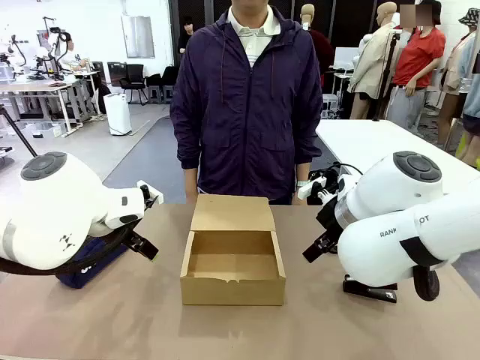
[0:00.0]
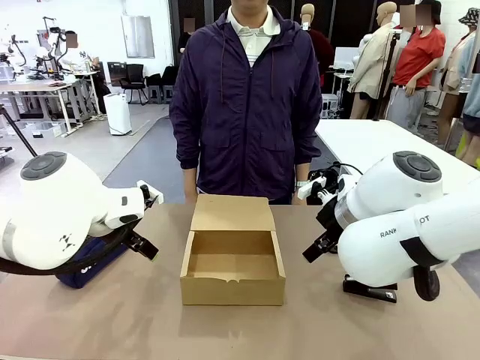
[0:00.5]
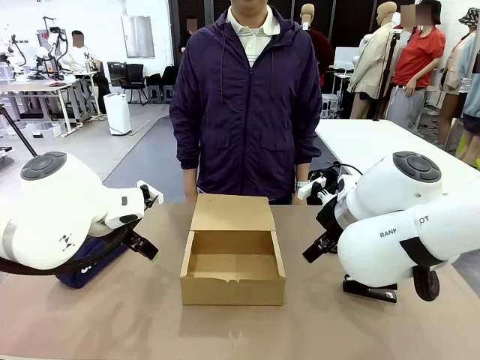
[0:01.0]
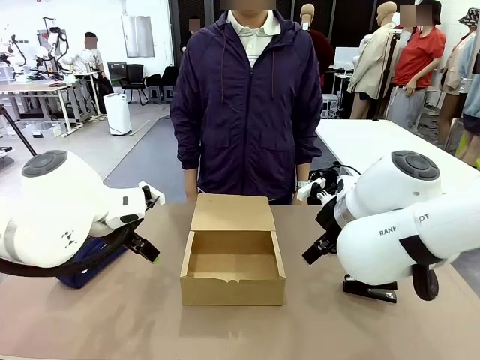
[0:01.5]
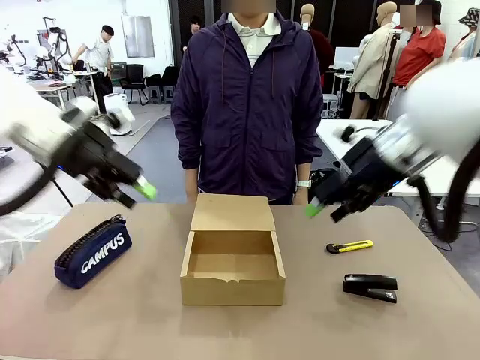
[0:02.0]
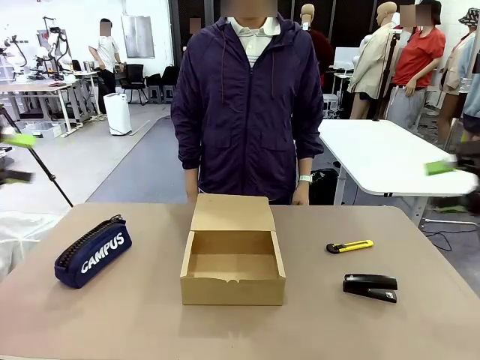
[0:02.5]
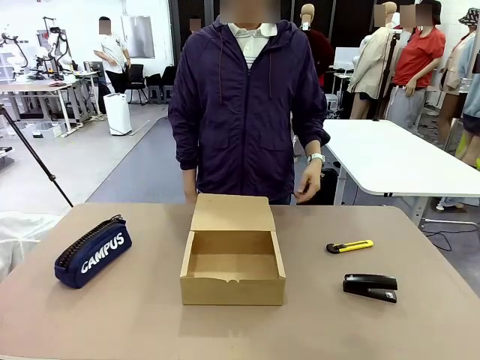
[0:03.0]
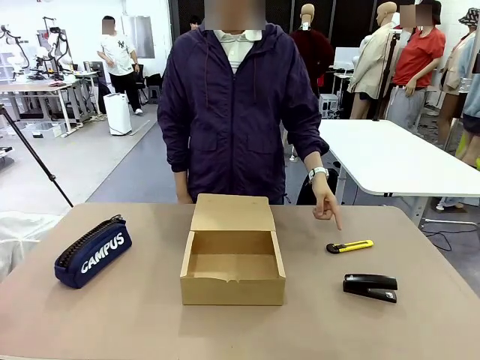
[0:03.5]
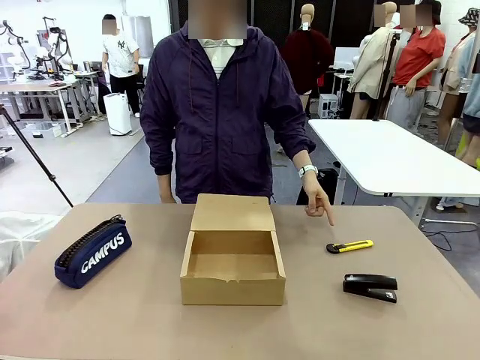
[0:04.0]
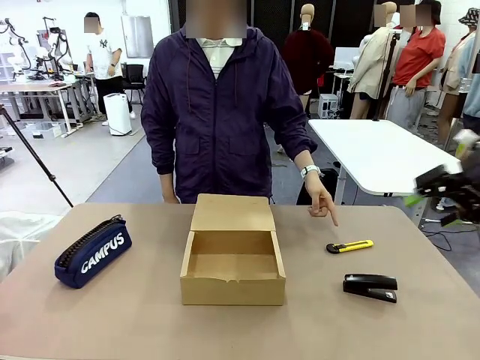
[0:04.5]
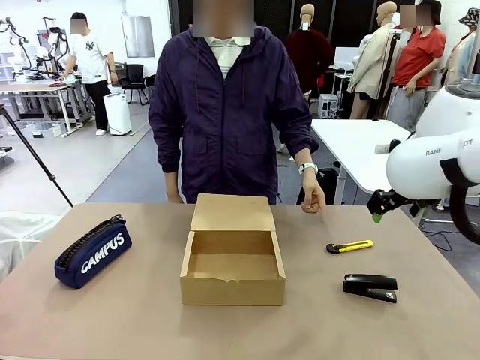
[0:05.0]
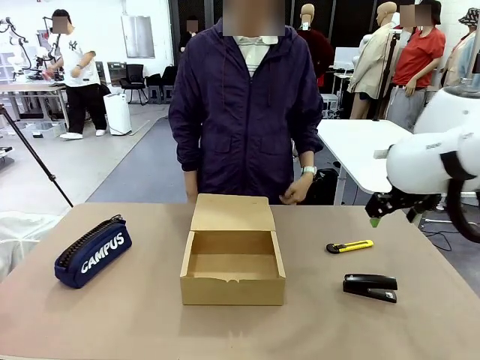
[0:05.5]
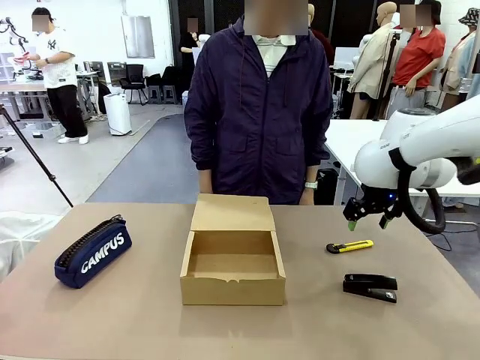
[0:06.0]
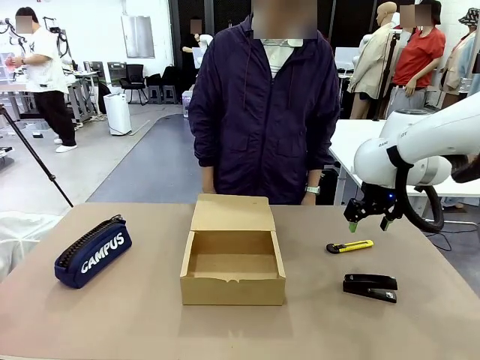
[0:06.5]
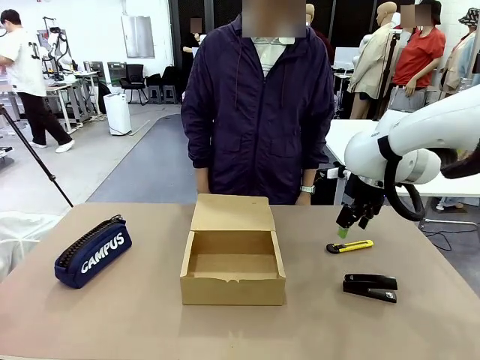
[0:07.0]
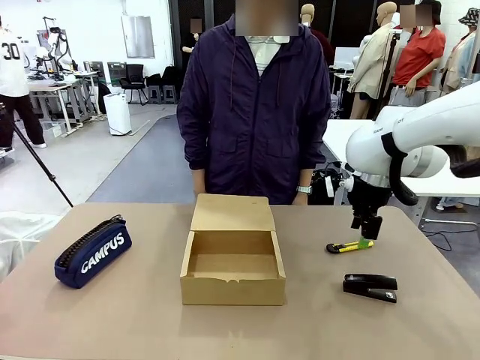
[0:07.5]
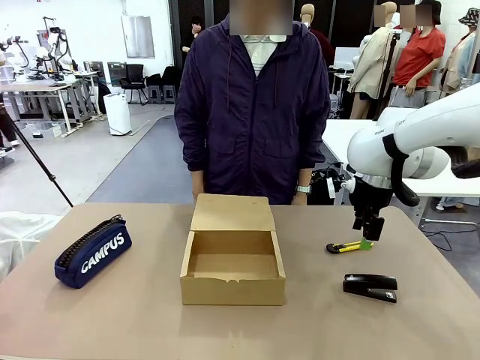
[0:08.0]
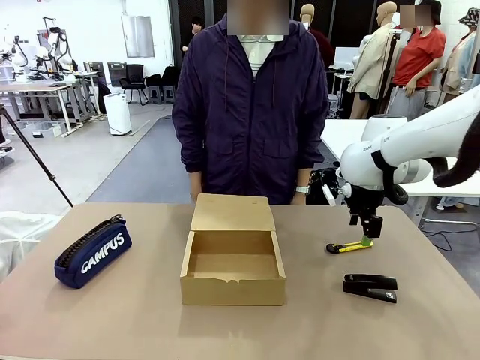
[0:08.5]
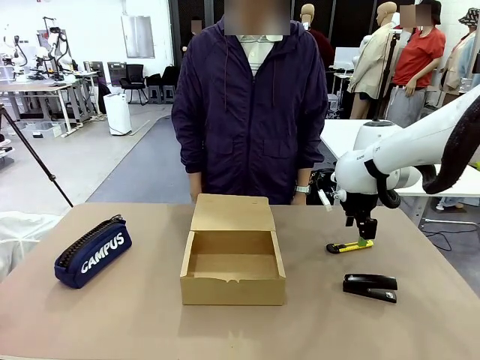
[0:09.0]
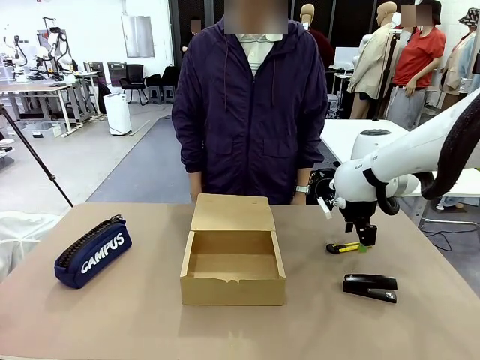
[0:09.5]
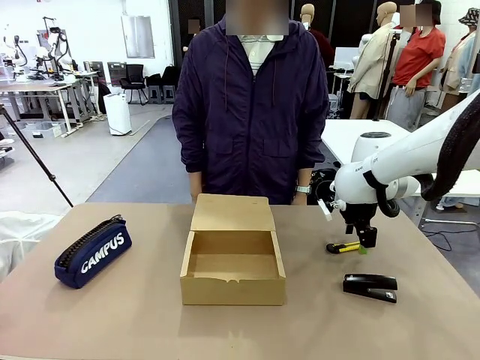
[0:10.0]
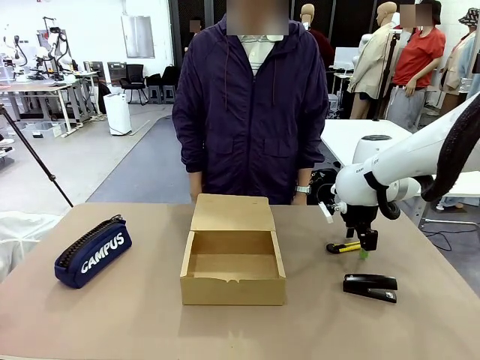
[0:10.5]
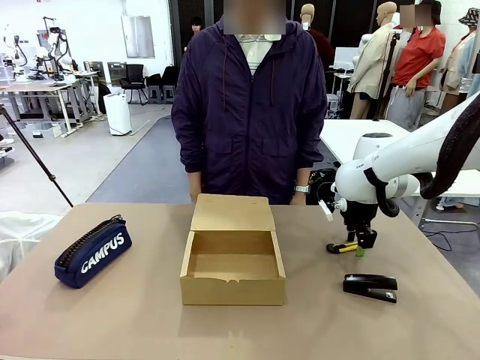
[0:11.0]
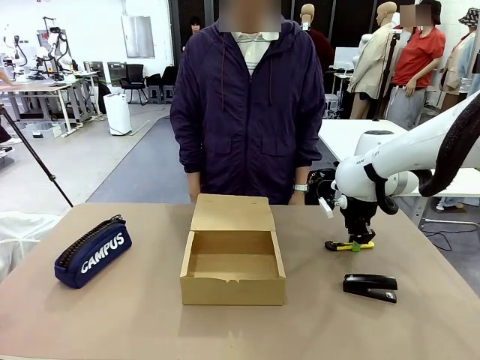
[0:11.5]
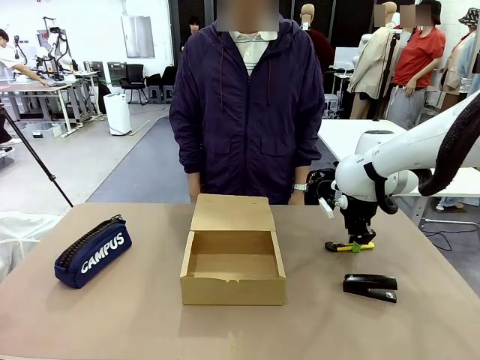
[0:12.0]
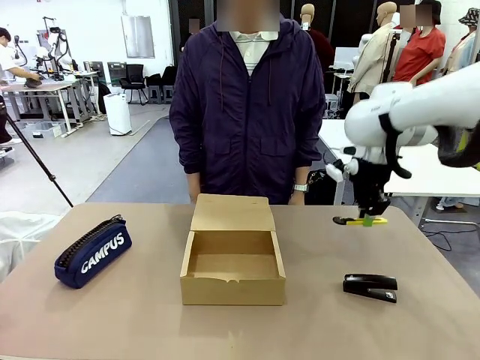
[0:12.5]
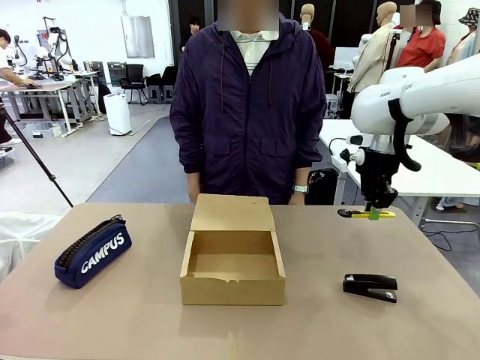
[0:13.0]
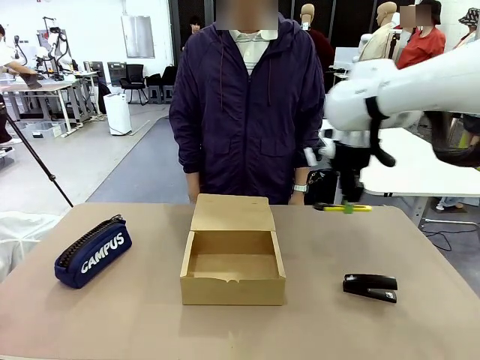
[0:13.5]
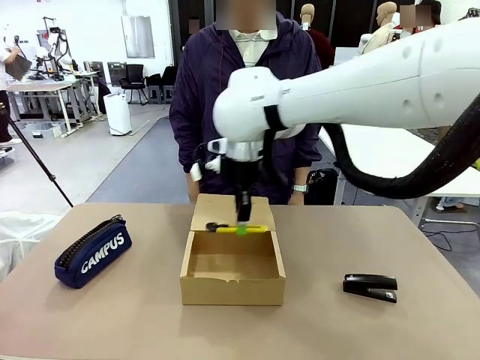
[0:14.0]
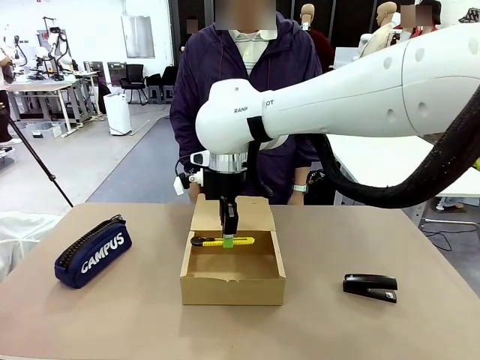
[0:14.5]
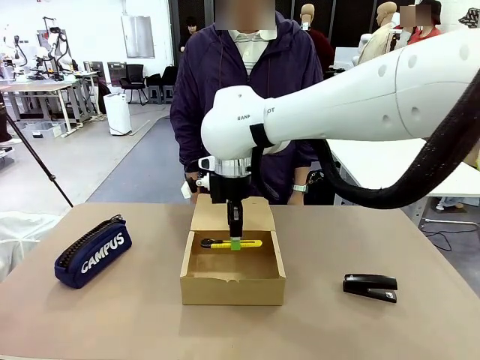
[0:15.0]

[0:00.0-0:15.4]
Task: Pack the items into the box.
Robot: Pick up the item specified by the human and place it in the Mailer Box.
Person: Point at one item on the table (excluding the box).

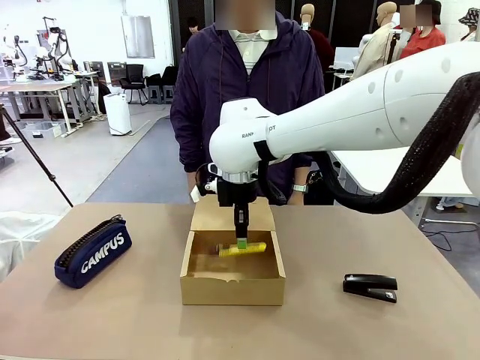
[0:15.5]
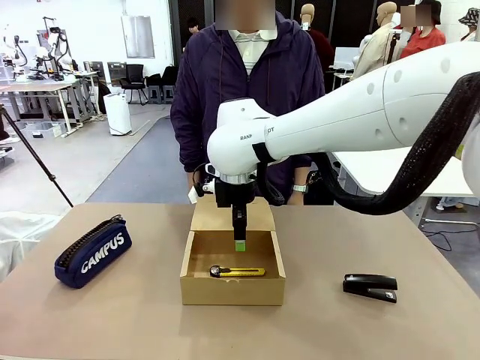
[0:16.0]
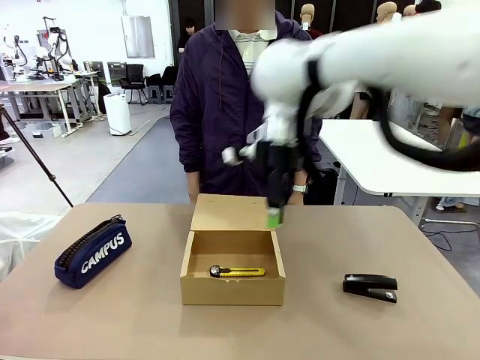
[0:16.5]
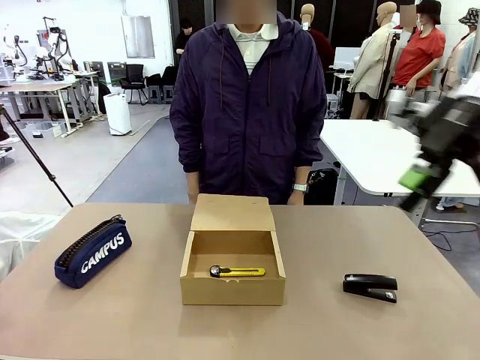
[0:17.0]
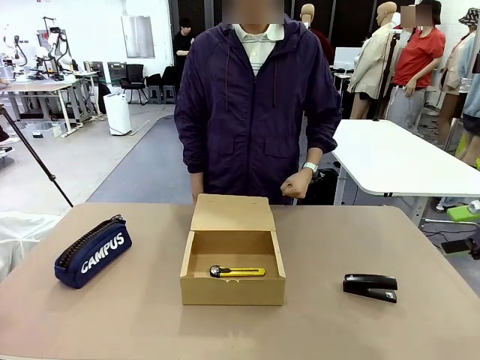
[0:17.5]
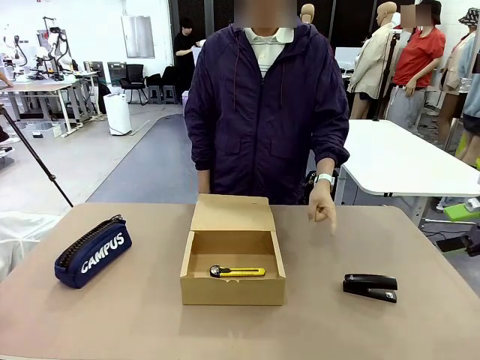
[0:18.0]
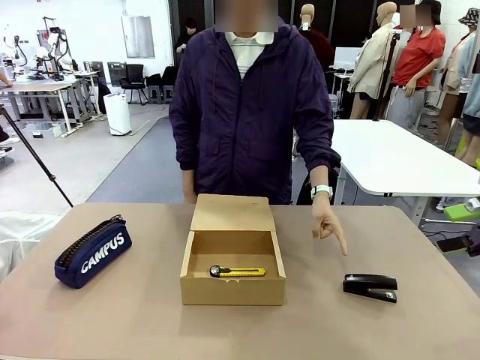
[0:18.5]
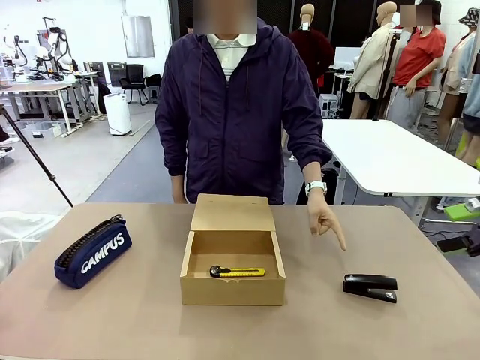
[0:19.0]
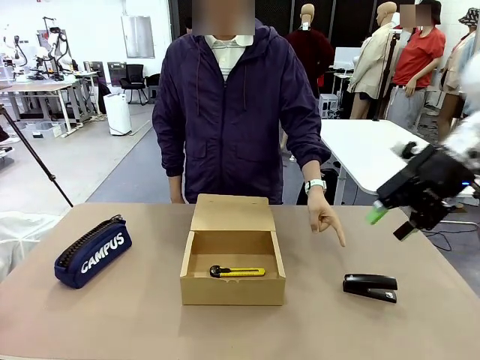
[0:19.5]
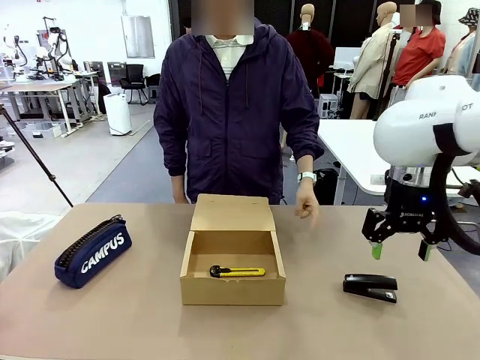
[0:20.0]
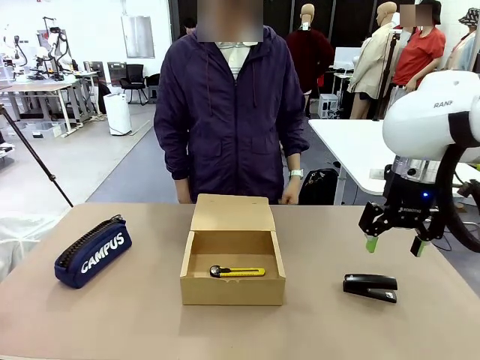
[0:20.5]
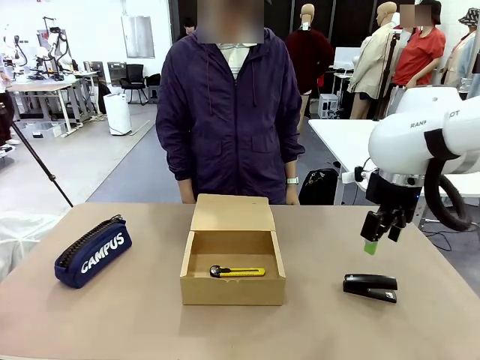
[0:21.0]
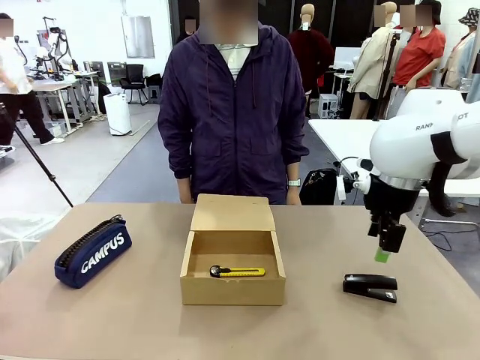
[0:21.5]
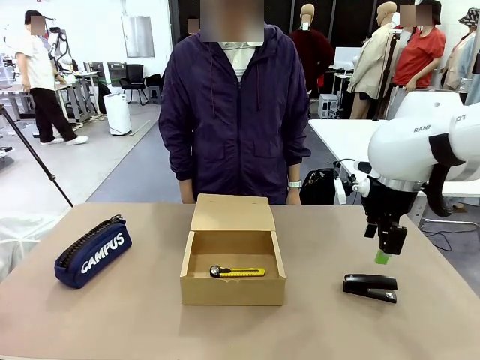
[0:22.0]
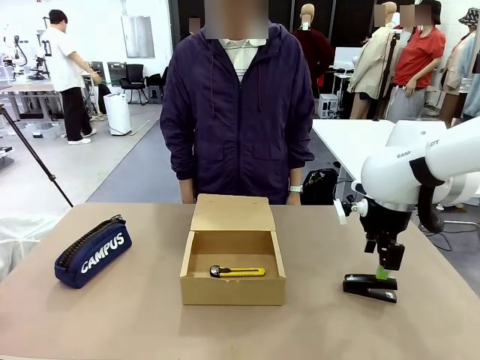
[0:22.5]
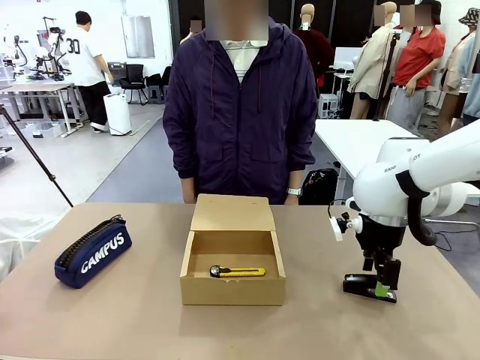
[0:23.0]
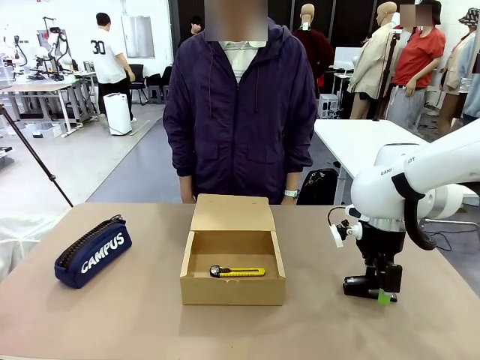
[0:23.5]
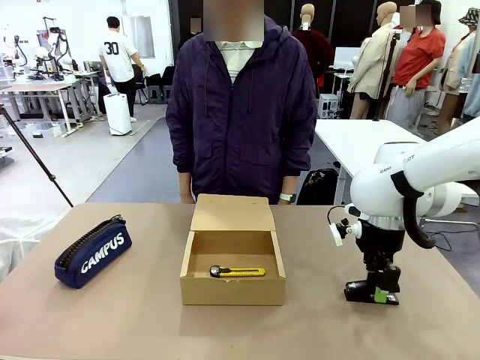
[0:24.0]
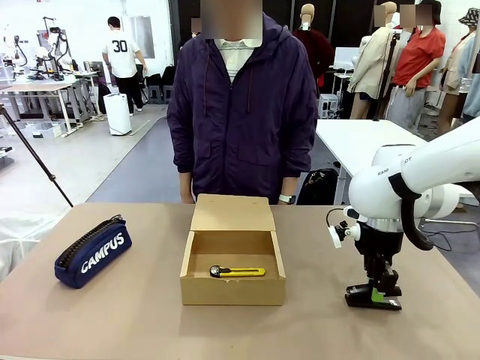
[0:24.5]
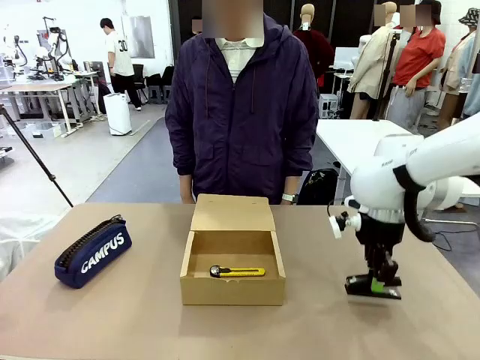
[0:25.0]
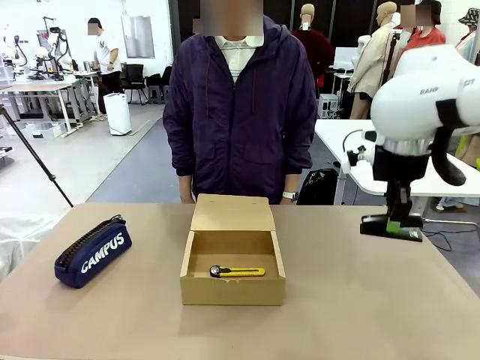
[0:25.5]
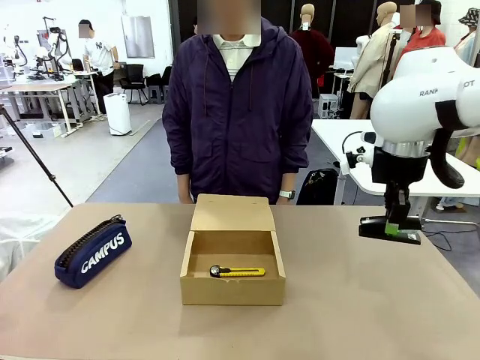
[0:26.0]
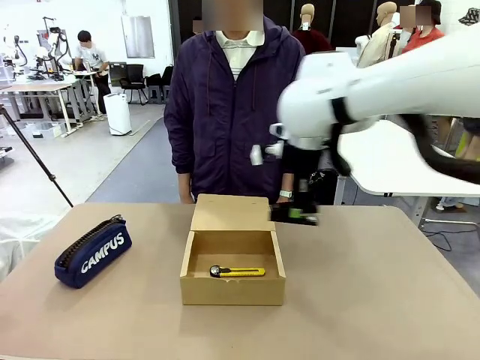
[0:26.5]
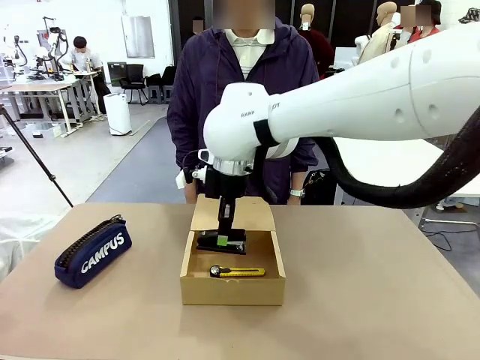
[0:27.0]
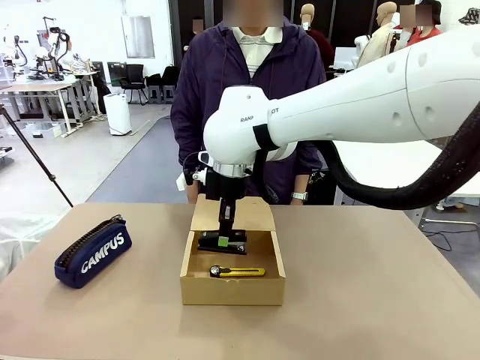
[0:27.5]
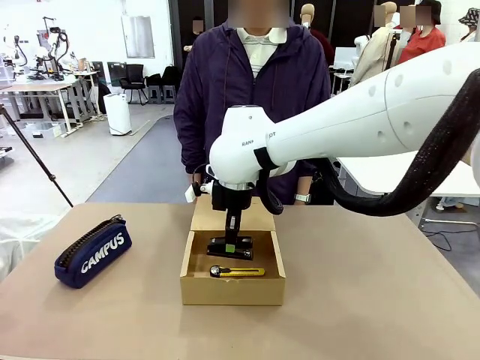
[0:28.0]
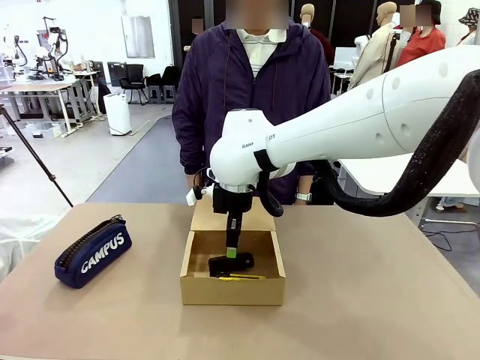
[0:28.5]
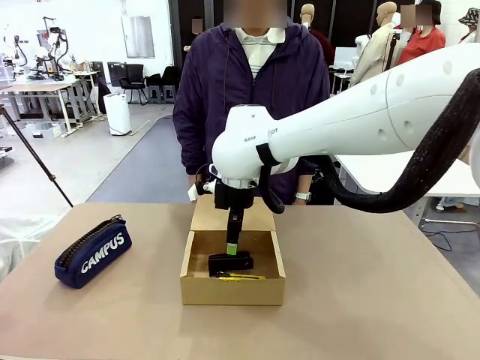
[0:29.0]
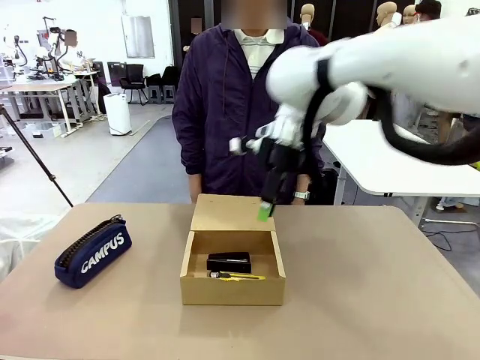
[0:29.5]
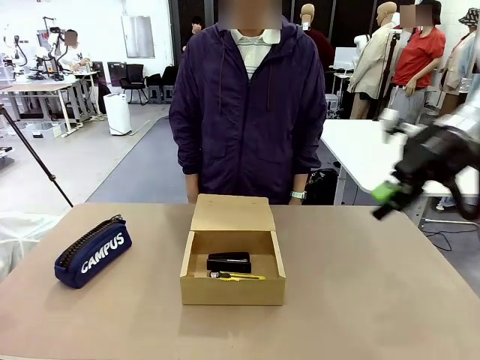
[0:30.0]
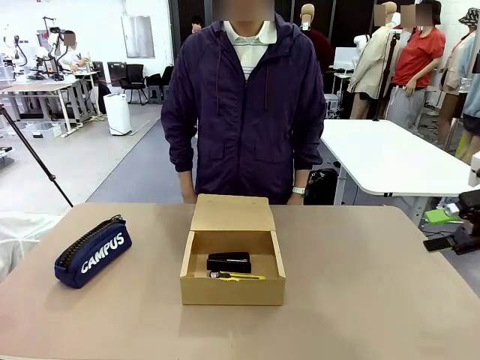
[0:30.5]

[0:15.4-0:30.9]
Robot: Pick up the item specified by the human and place it in the Mailer Box.
Person: Lower both hands vertically with palms facing downward, as if pressing something closed.
